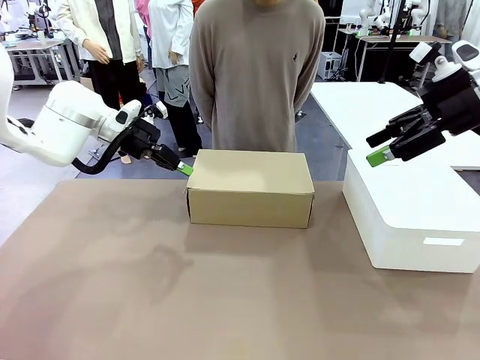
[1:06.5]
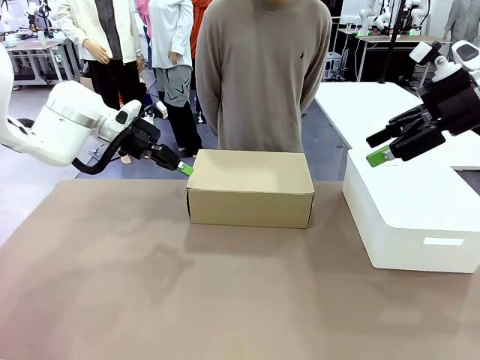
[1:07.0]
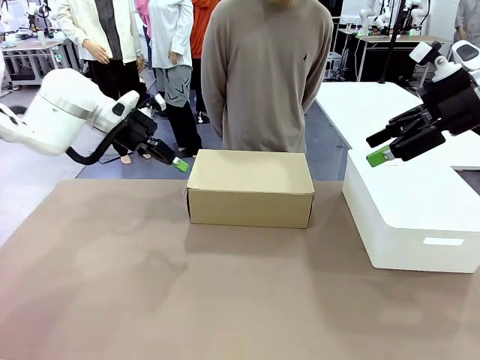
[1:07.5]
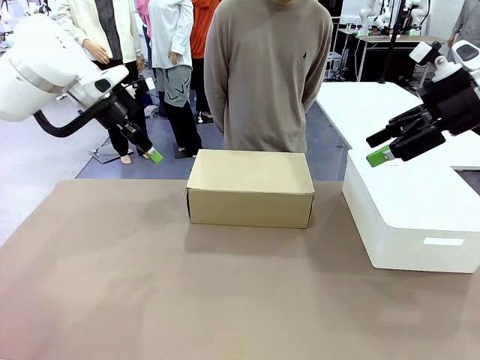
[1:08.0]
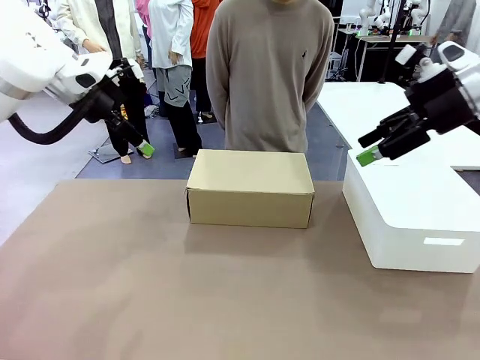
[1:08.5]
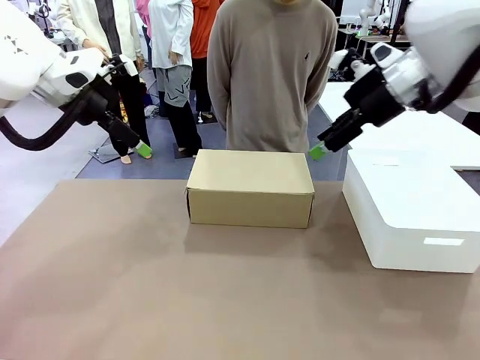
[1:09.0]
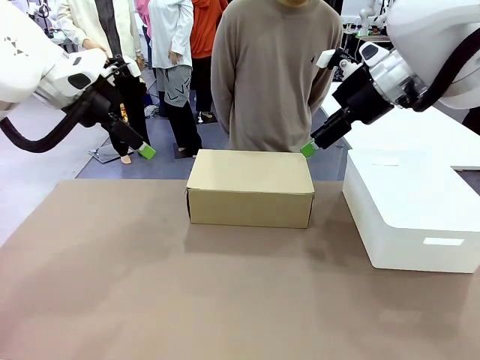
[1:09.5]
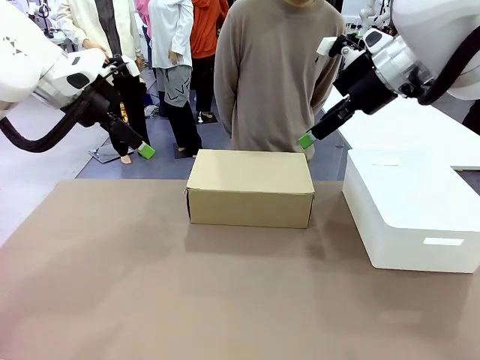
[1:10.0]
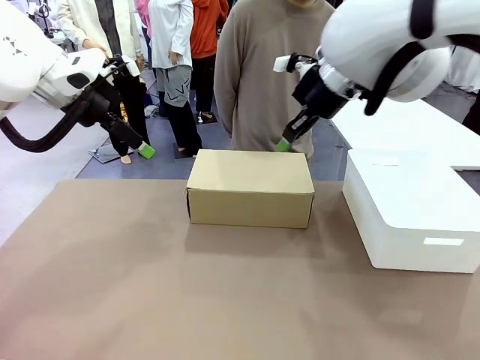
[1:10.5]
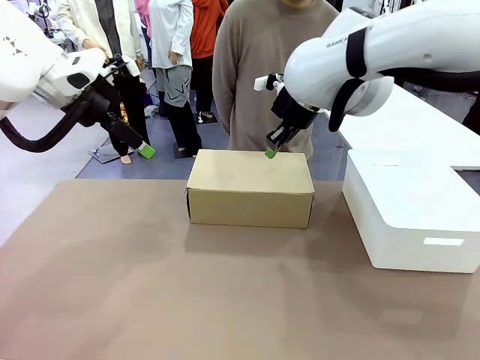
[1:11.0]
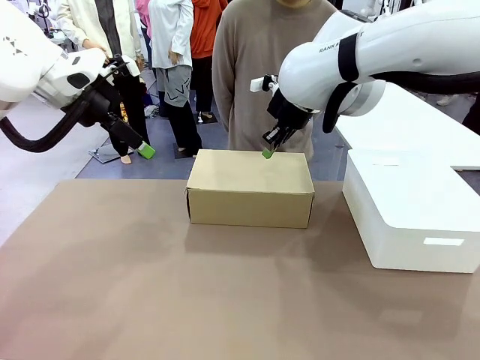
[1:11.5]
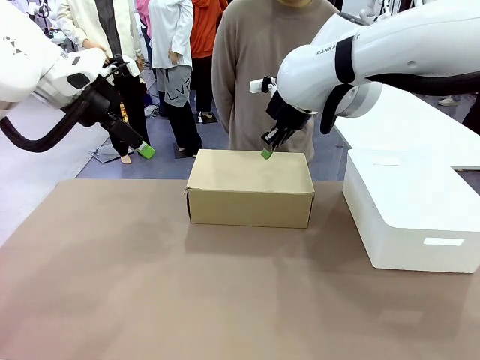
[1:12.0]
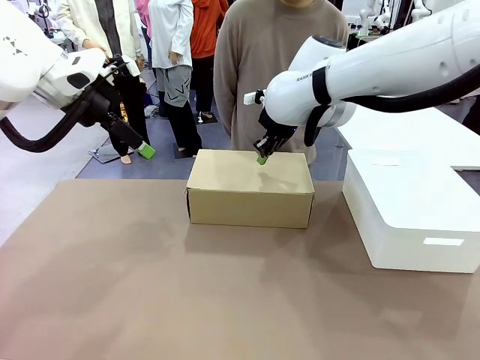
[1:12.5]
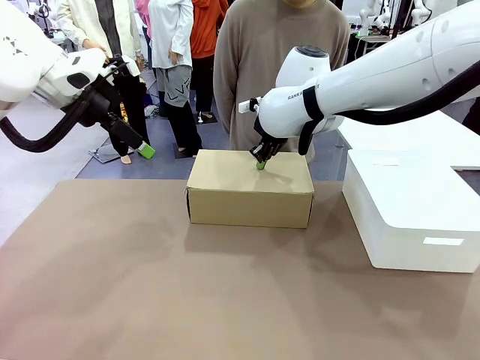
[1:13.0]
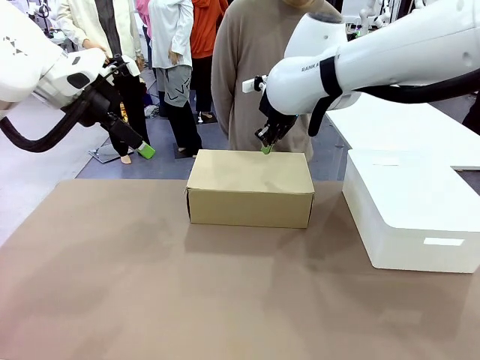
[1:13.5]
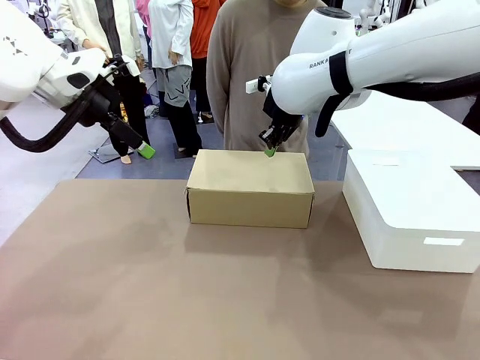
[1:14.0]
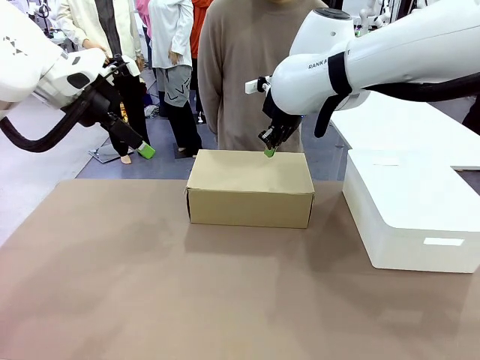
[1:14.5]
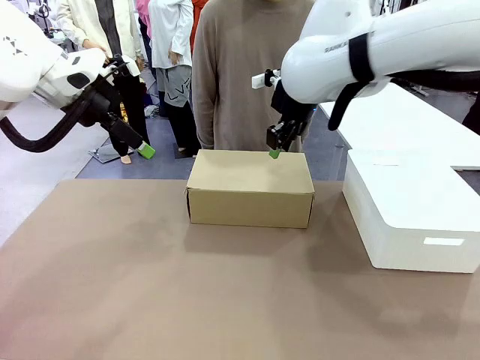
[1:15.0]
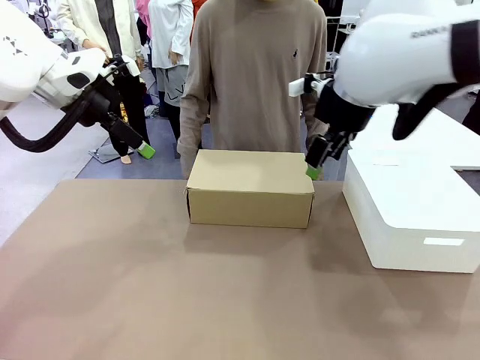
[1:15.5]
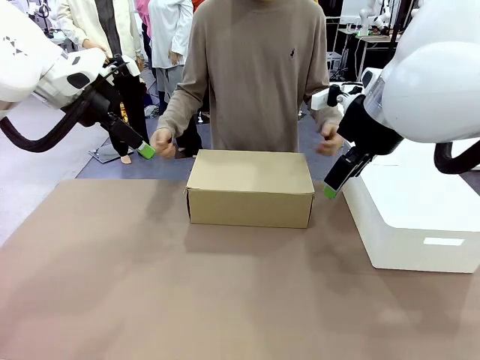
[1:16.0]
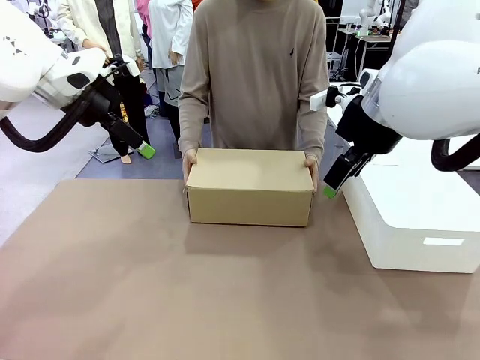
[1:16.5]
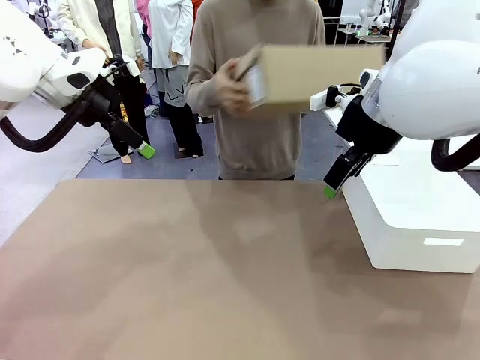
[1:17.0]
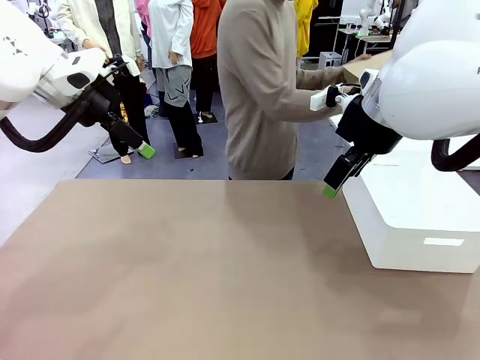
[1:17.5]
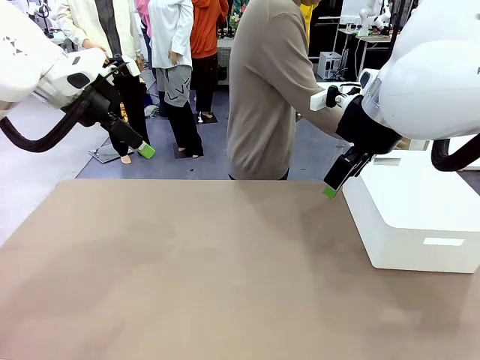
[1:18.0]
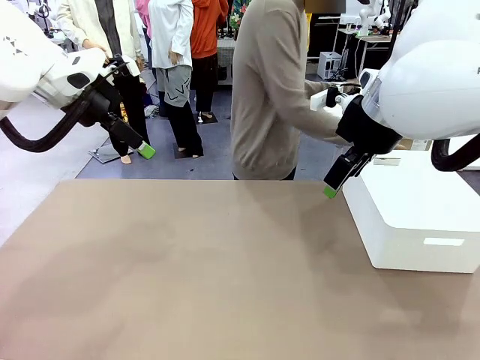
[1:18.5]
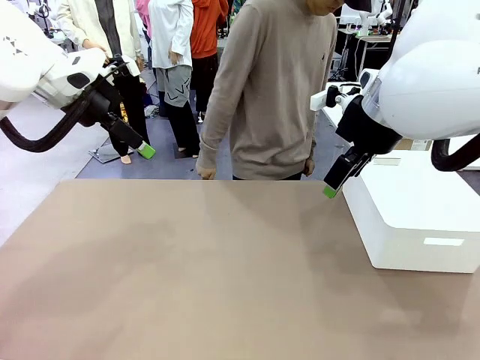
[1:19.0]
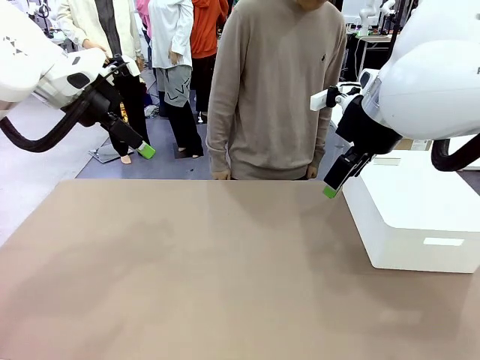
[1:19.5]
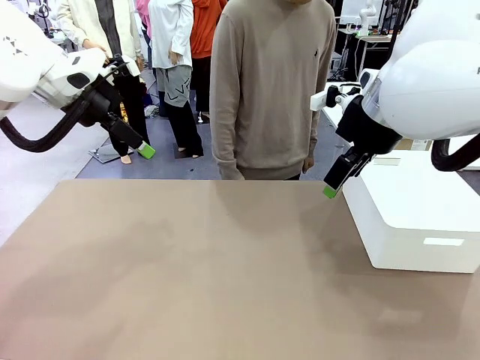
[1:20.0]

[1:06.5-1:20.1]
Task: Pack the shoes into the box.
Robot: Press down on the lid of the Shoes Box.
Person: Place the closed Shoes Box to the right side of the human table.

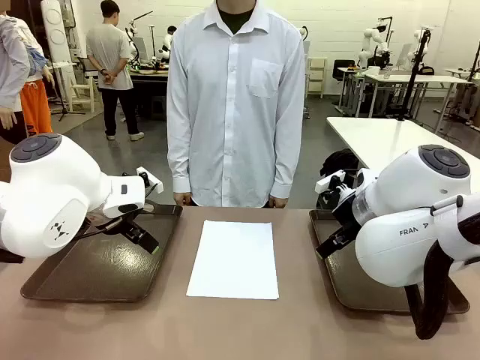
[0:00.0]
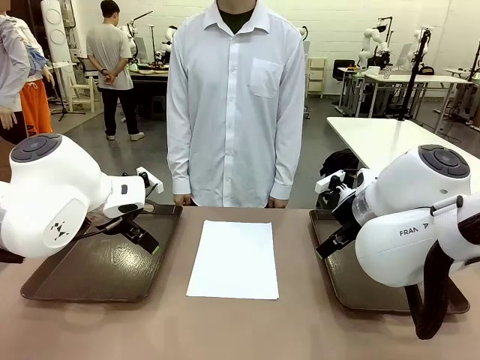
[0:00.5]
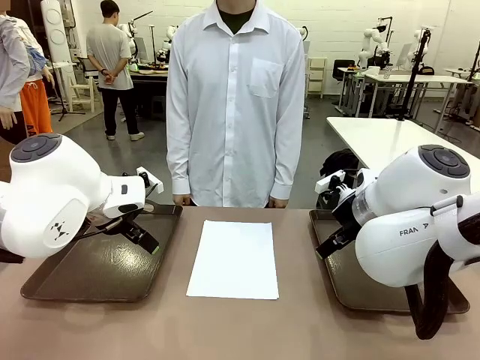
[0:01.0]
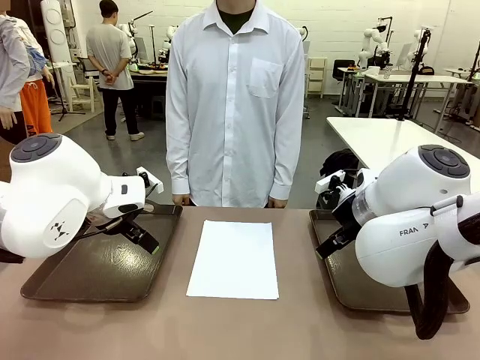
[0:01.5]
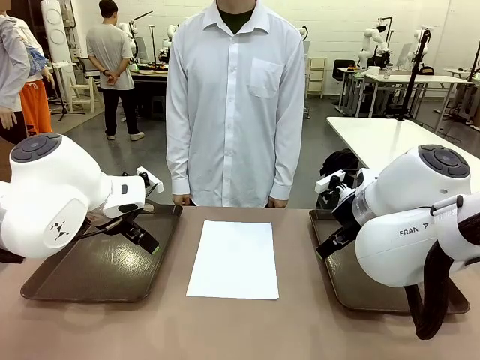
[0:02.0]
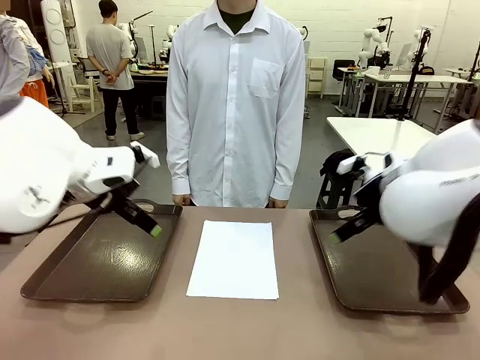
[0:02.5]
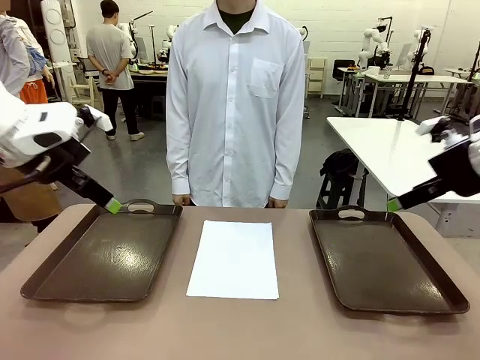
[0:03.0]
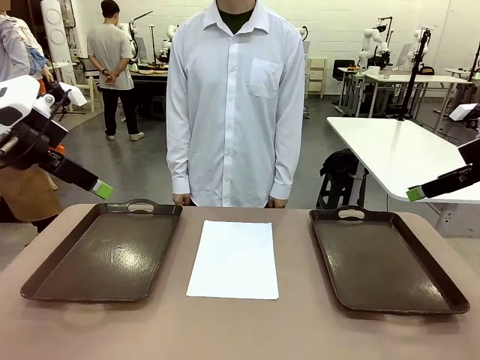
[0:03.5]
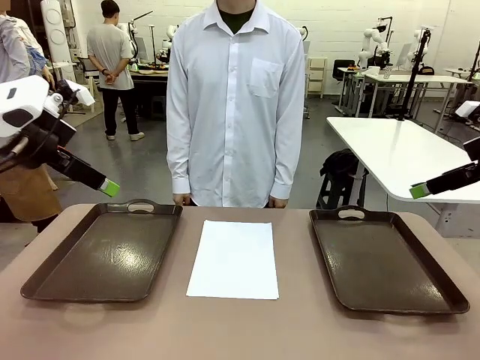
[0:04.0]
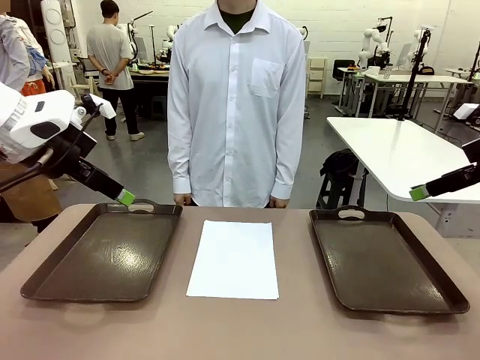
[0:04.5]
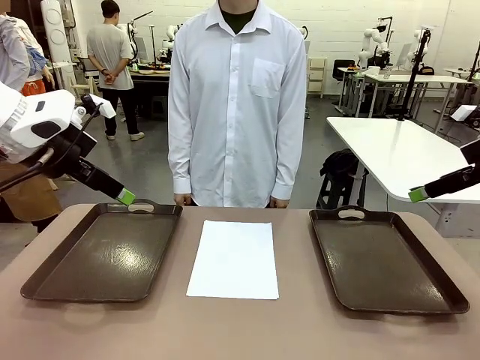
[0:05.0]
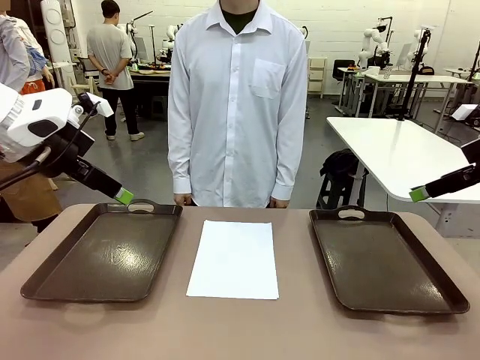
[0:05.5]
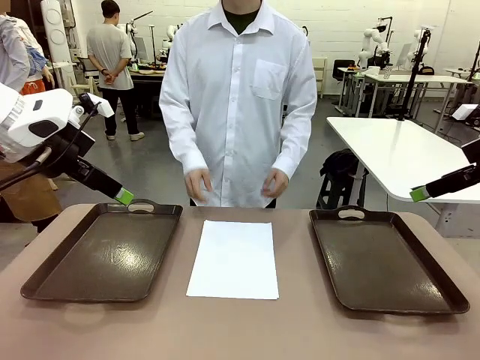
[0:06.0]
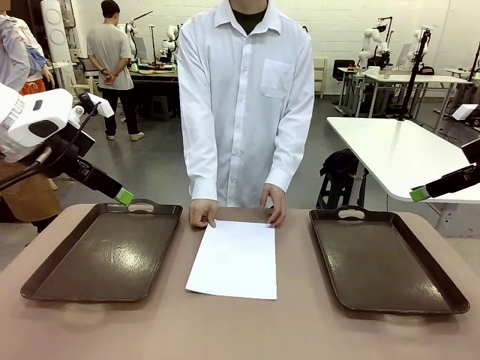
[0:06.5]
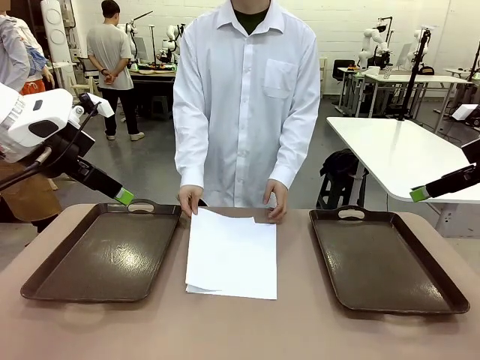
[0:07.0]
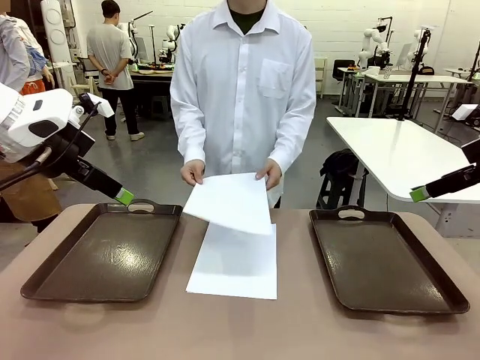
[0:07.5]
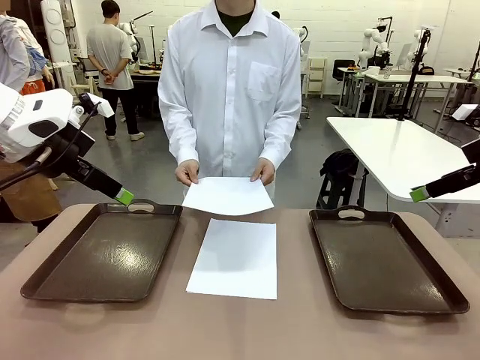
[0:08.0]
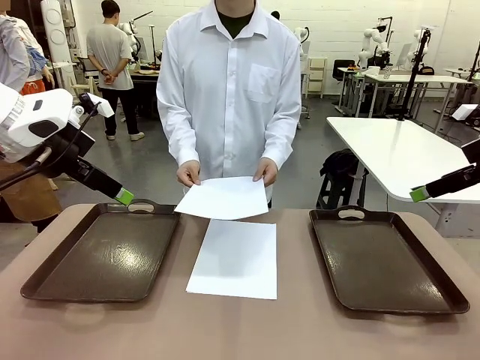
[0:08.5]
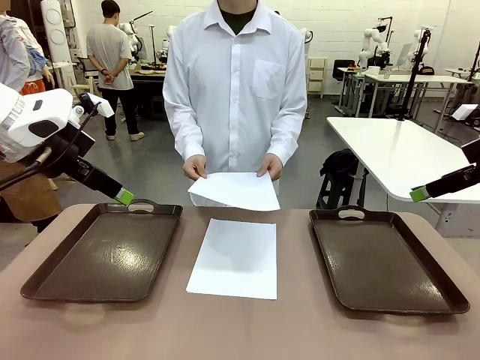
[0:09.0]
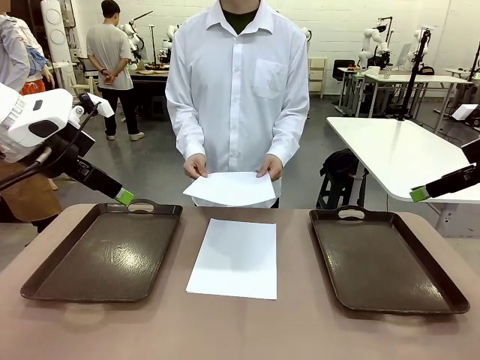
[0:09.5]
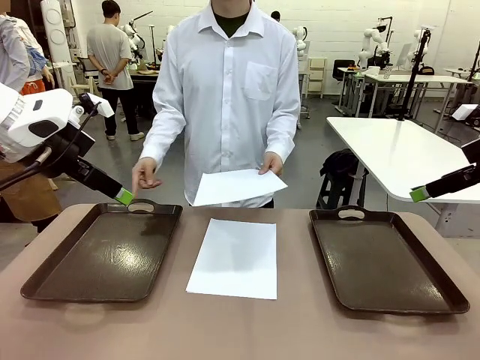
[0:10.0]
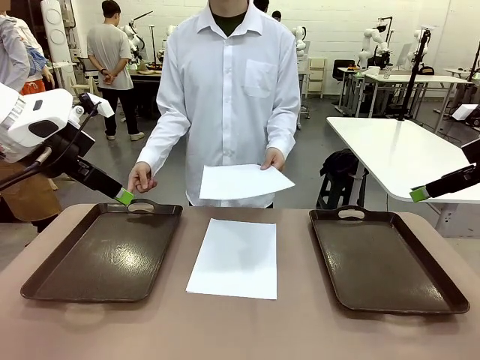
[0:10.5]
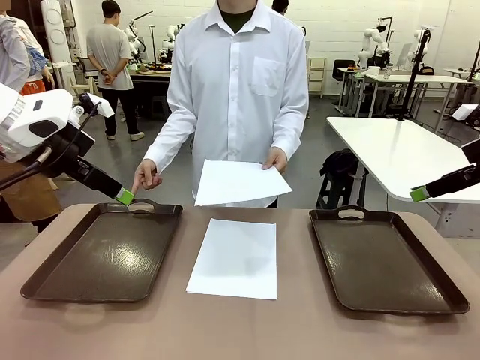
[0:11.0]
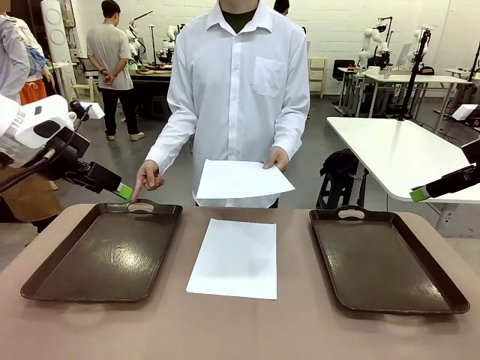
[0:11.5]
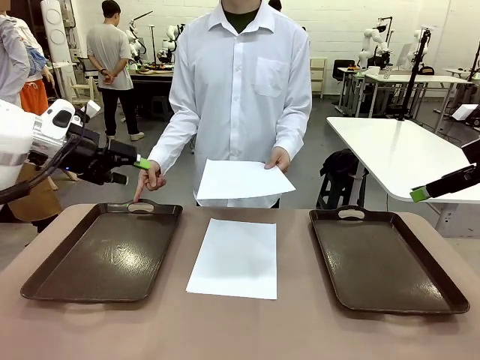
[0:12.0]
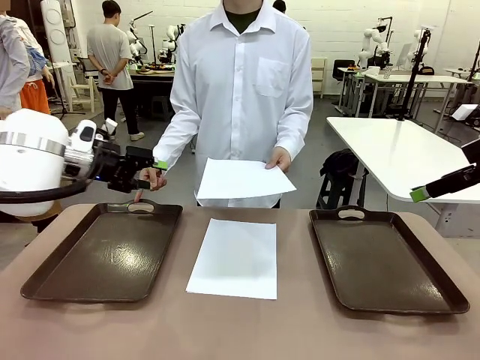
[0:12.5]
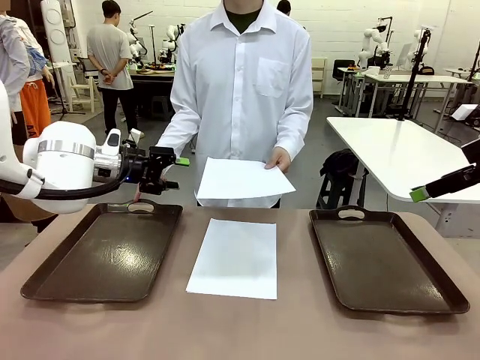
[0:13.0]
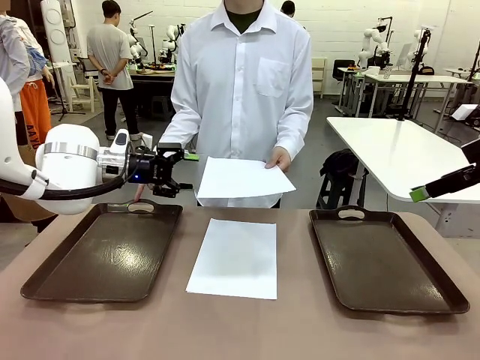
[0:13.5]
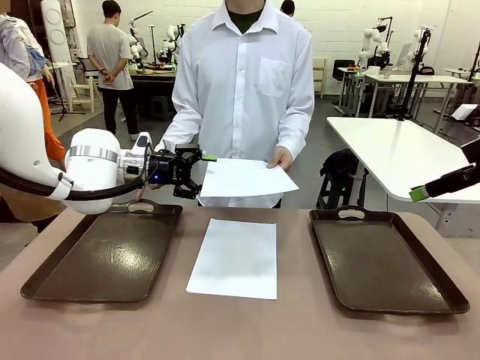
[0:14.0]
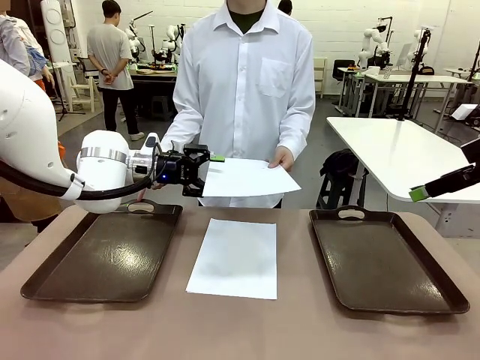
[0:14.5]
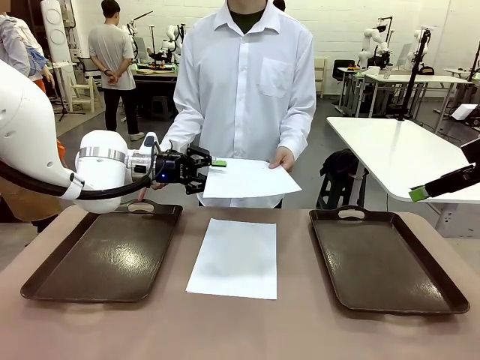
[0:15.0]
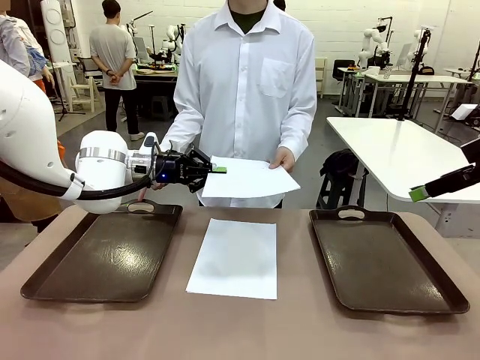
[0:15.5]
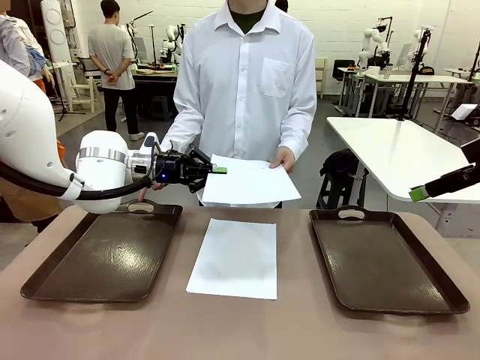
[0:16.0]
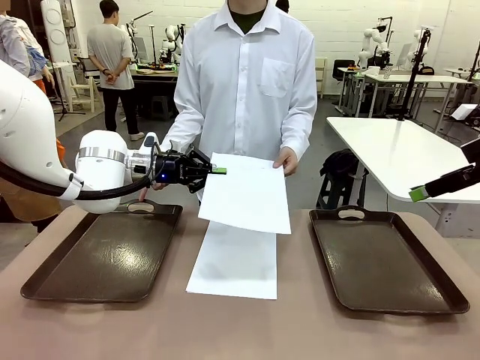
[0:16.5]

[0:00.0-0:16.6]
Task: Sort the A4 documents.
Robot: Receive the A4 Paper.
Person: Pick up a sheet of paper from the center of the table and hand it to the robot. Point the randomly selected tray with the other hand.
